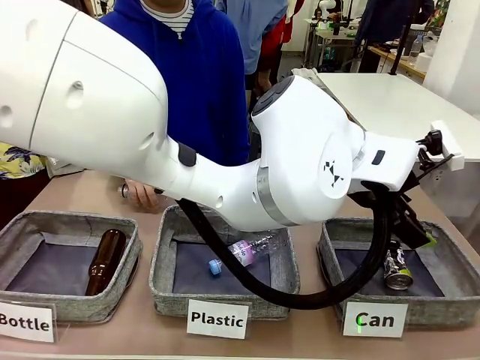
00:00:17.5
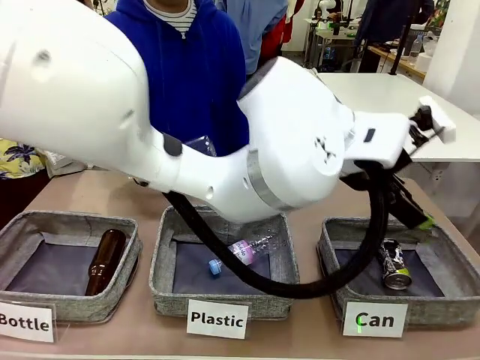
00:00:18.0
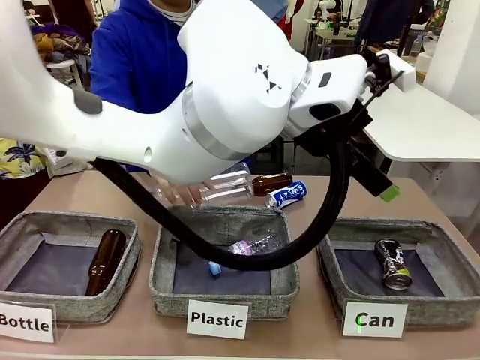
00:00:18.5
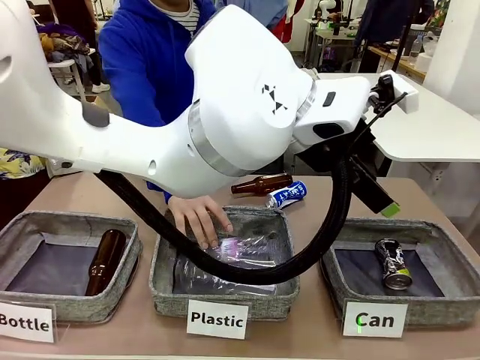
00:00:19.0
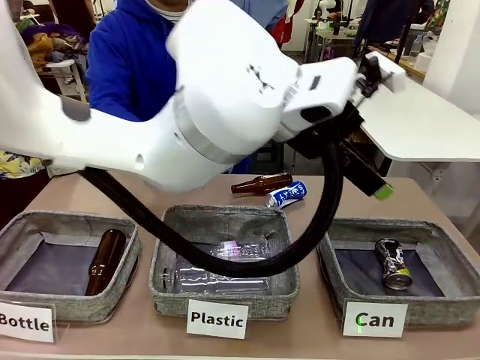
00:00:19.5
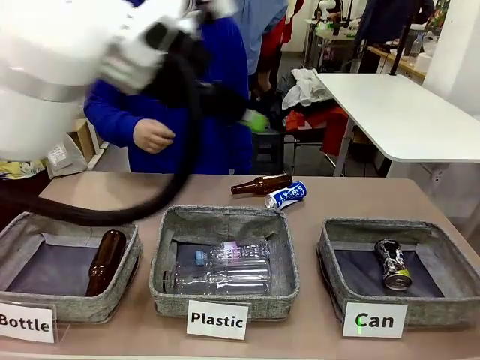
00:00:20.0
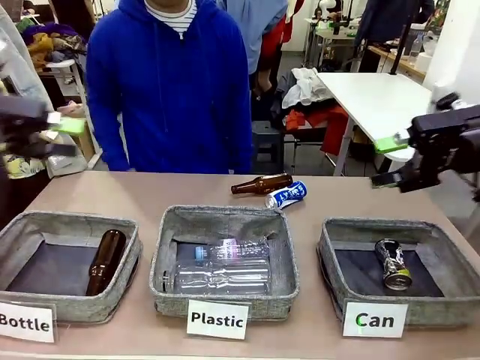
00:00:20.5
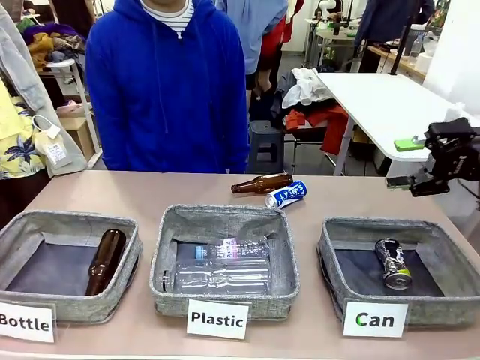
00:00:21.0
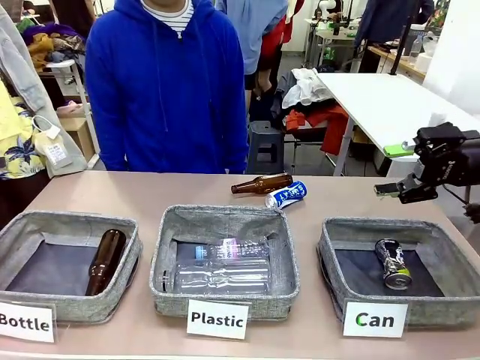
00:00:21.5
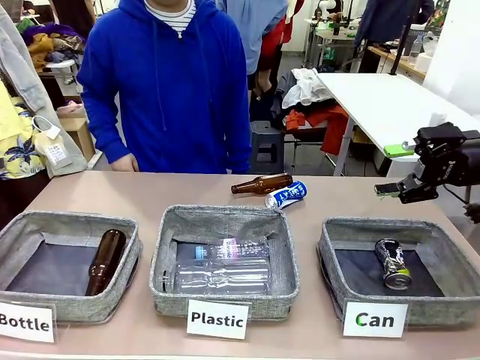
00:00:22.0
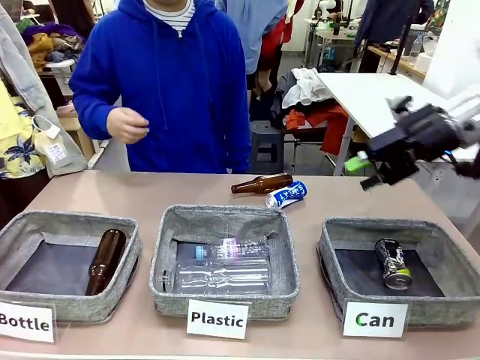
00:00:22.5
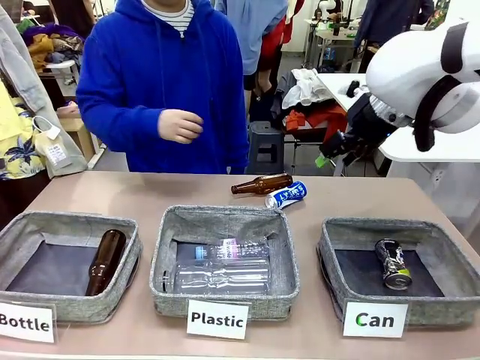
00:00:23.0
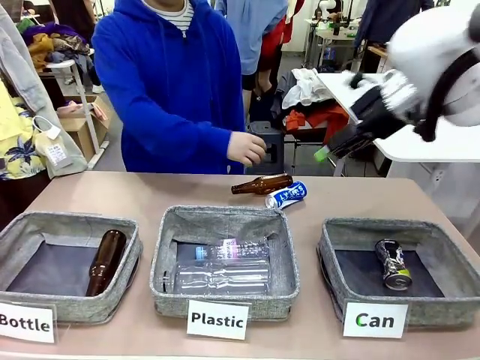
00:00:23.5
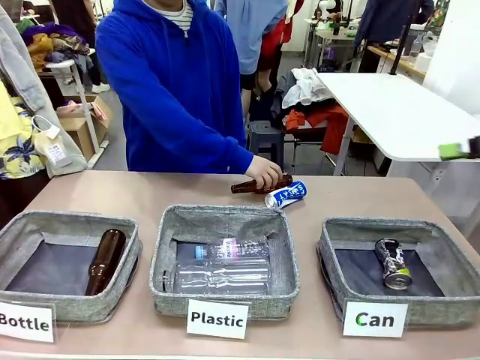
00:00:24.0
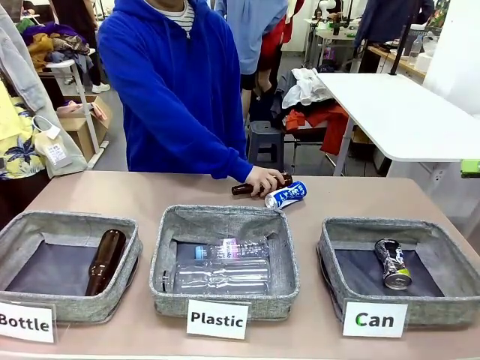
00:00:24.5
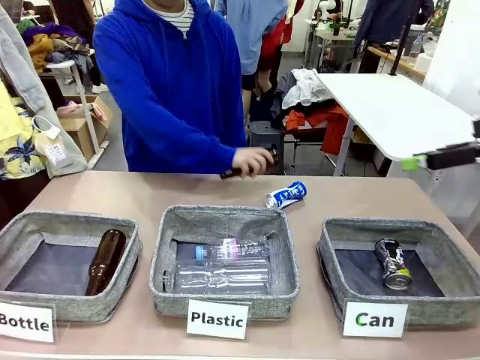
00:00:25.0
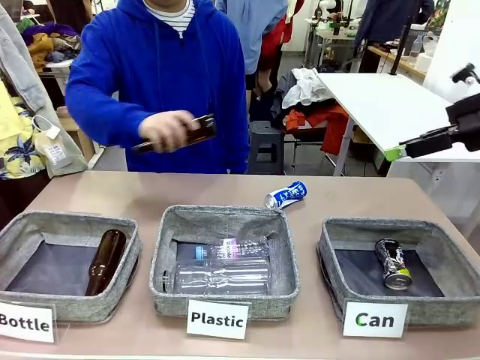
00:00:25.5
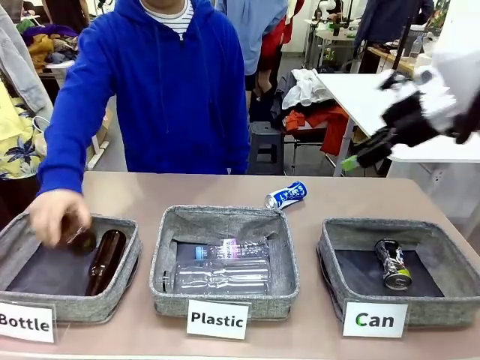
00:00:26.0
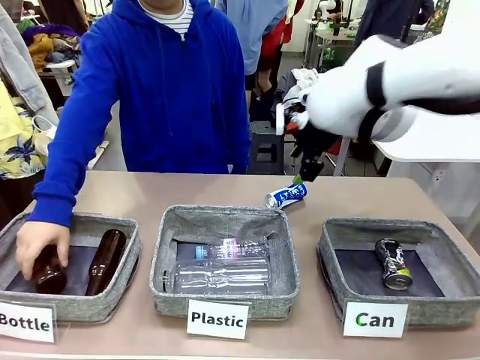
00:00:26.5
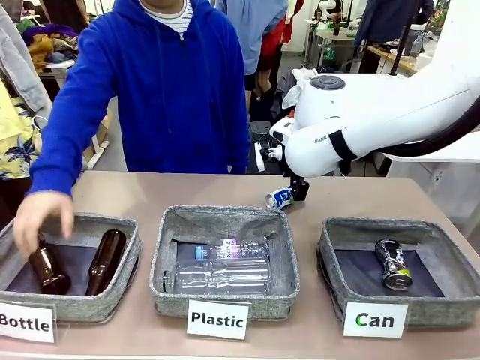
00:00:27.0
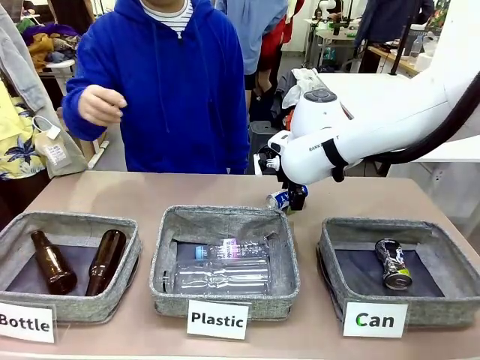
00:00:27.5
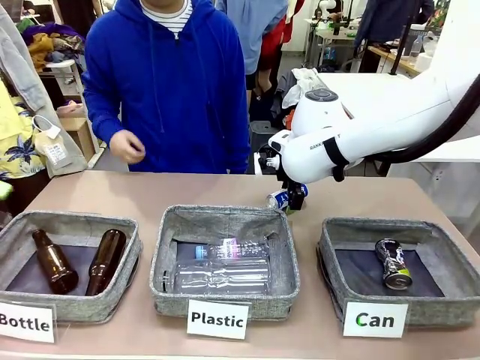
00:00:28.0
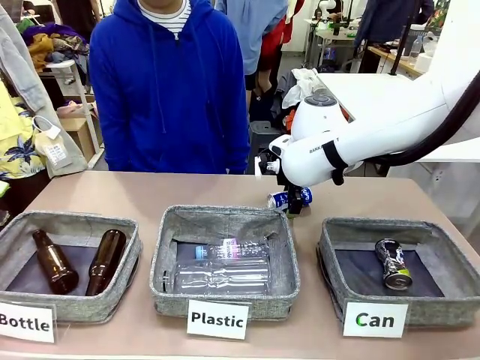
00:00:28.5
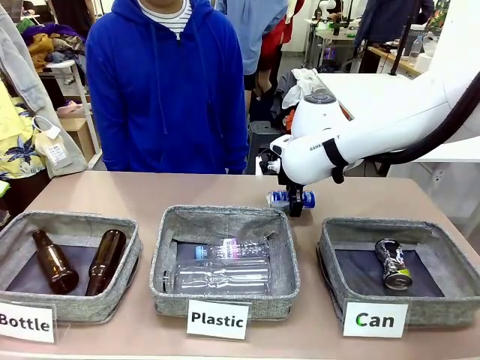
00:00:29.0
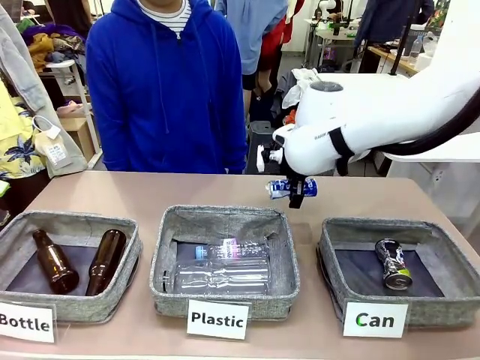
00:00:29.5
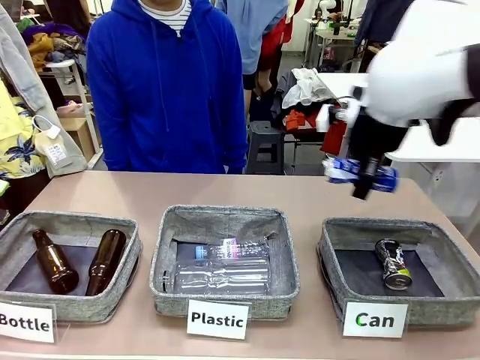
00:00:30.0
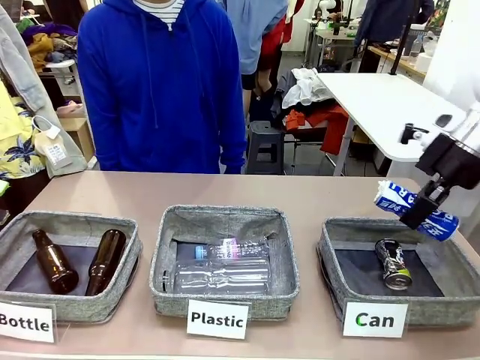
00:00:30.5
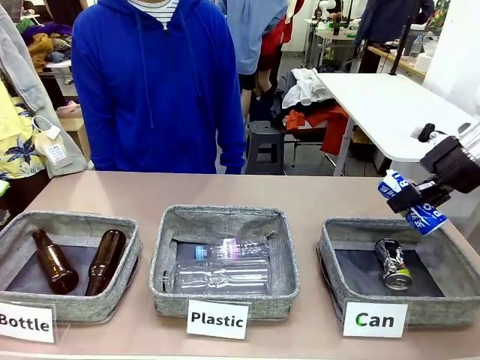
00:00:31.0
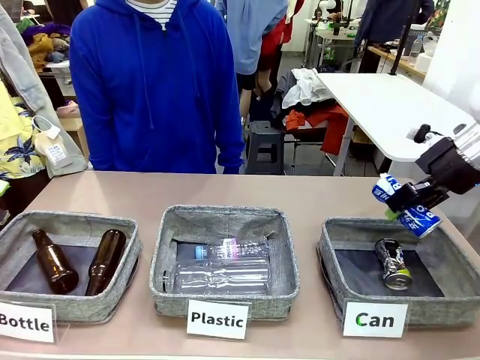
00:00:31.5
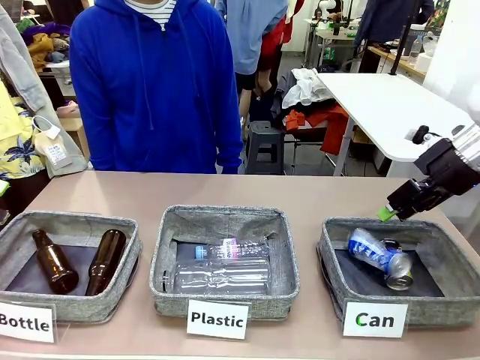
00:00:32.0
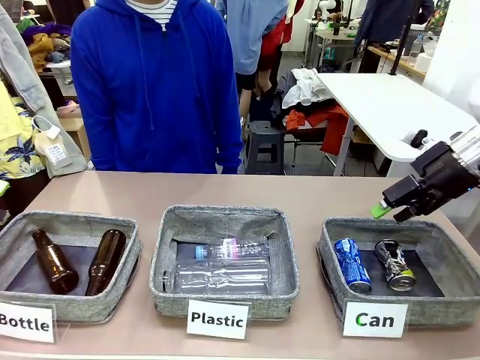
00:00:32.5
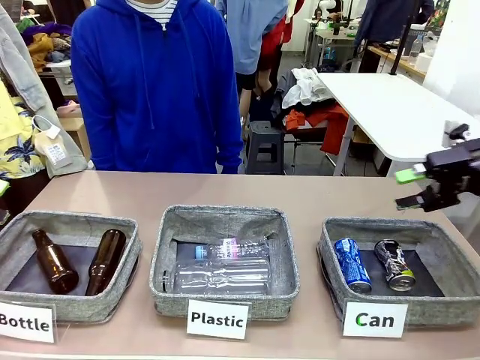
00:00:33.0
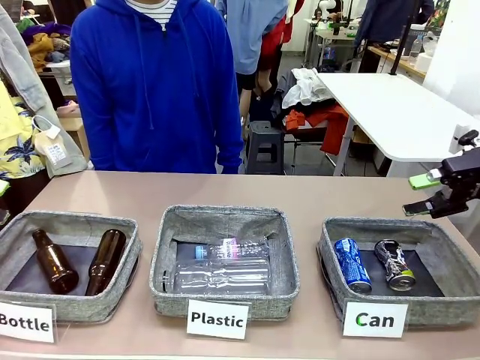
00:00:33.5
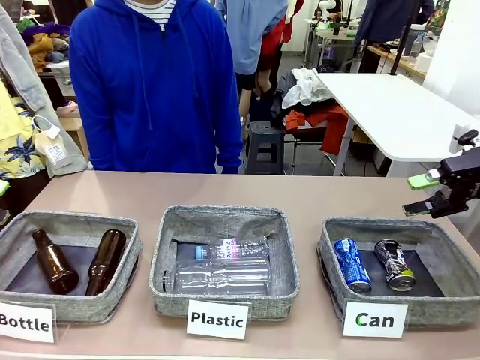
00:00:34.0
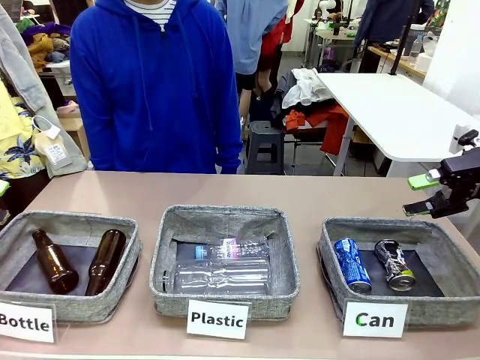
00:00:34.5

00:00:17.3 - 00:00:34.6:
Task: Sort the can waste into the basket.
Robot: Pick up the can waste from the table and place it in the right Fabric basket.
